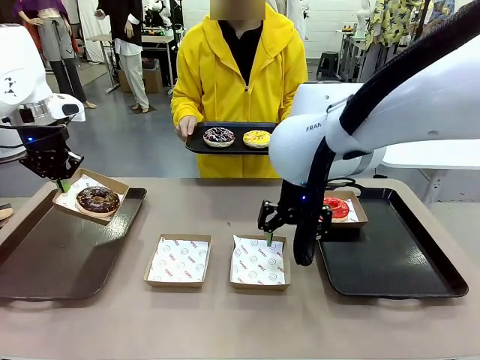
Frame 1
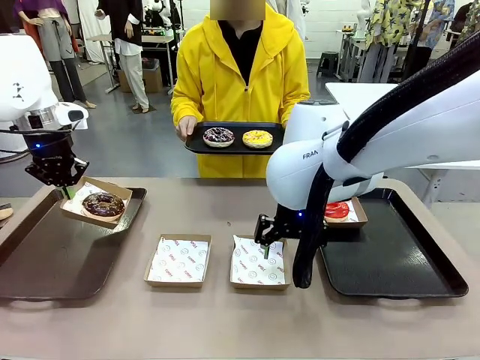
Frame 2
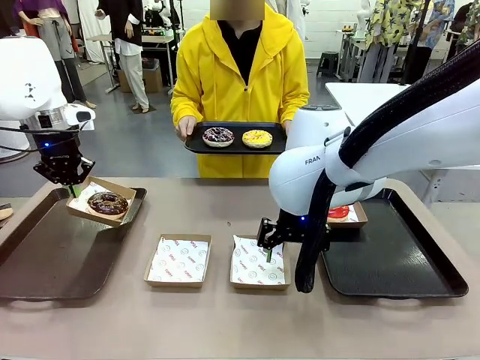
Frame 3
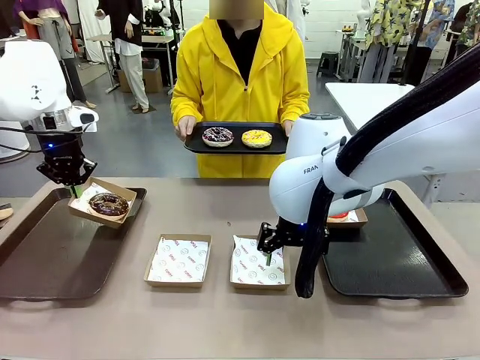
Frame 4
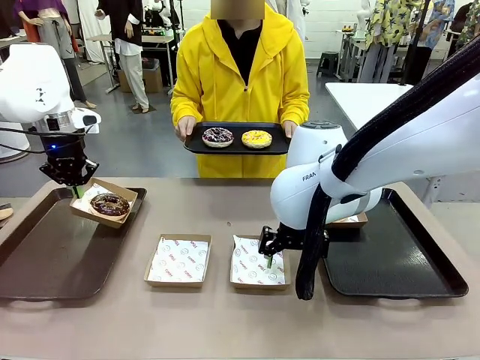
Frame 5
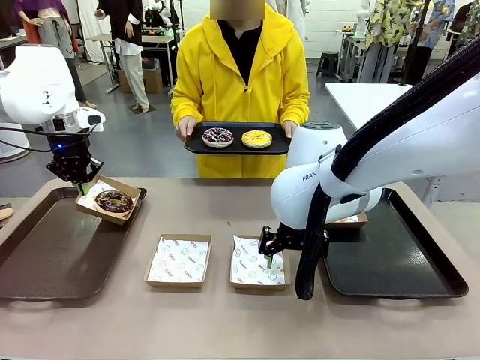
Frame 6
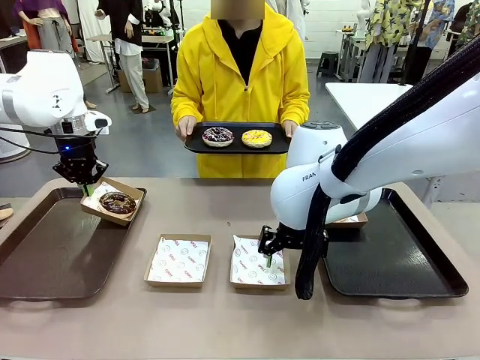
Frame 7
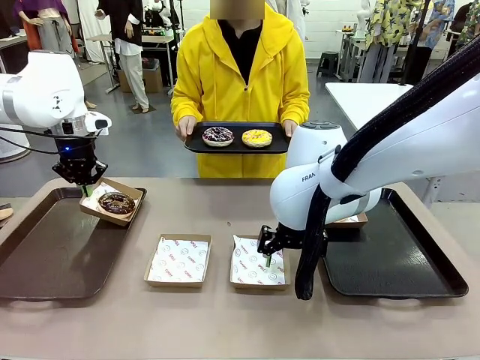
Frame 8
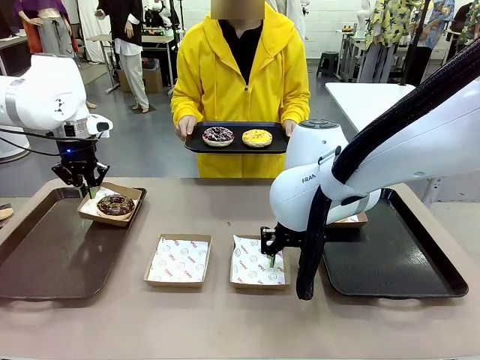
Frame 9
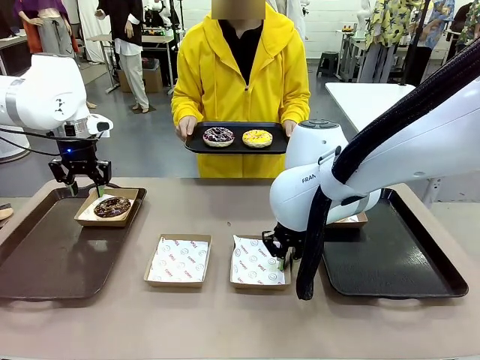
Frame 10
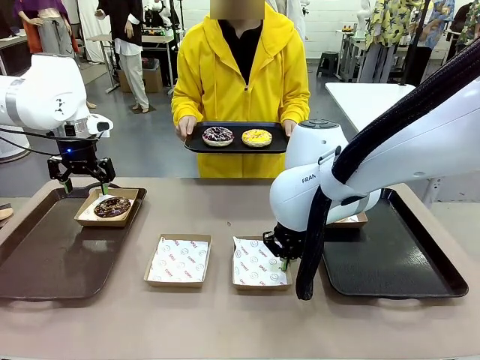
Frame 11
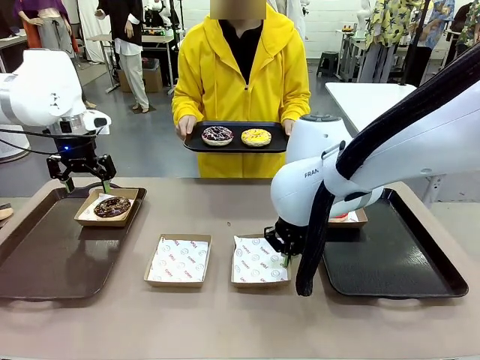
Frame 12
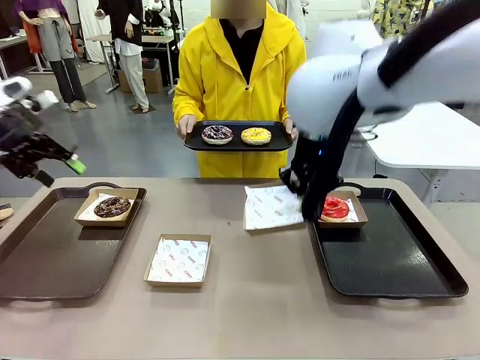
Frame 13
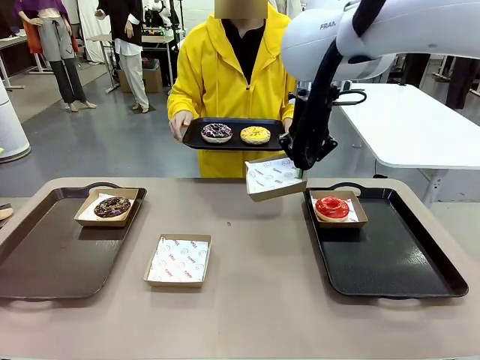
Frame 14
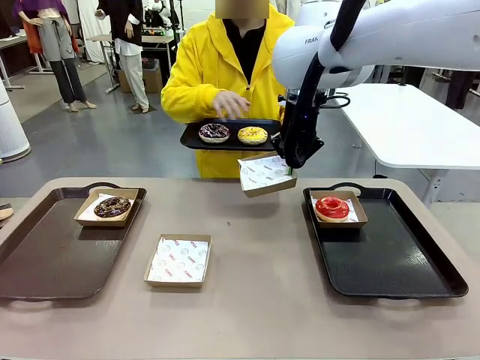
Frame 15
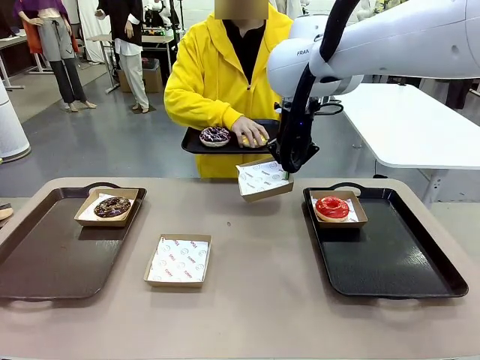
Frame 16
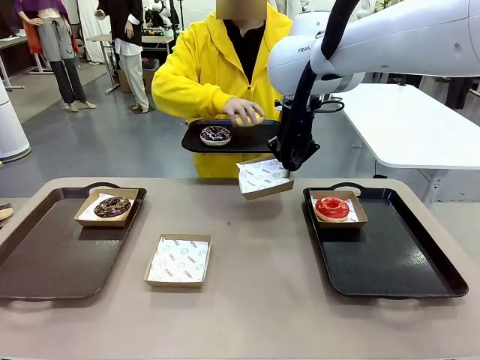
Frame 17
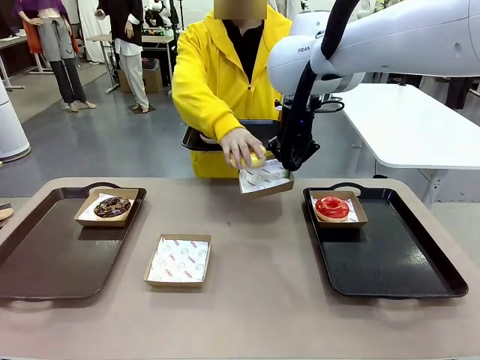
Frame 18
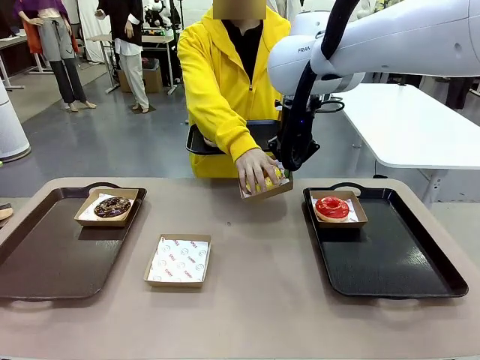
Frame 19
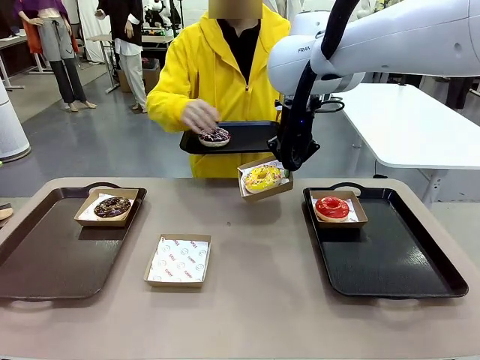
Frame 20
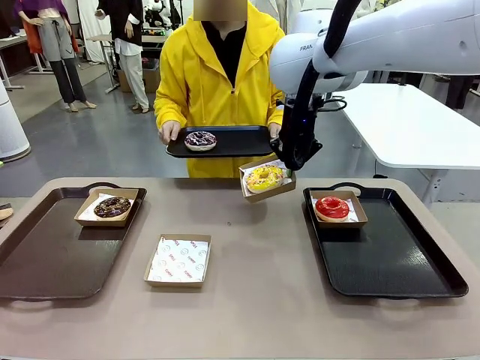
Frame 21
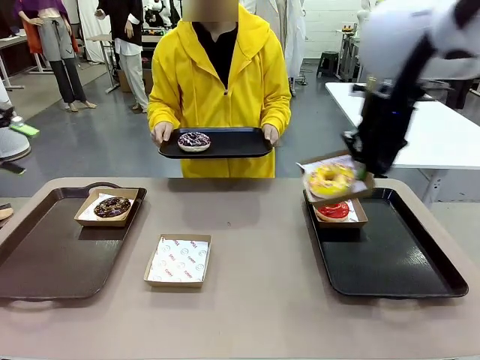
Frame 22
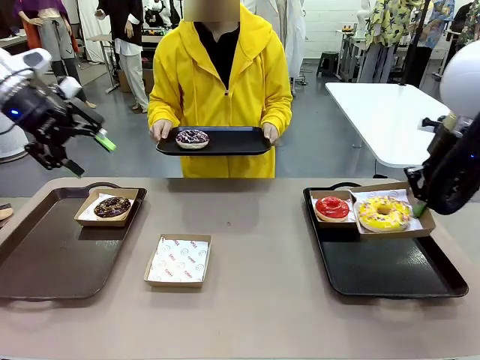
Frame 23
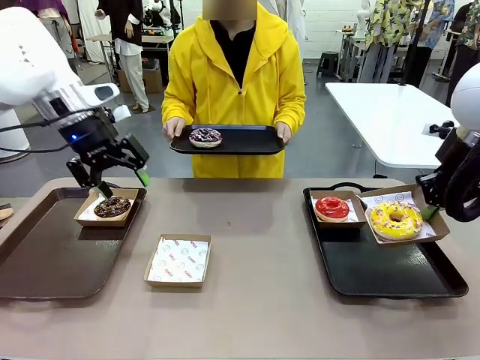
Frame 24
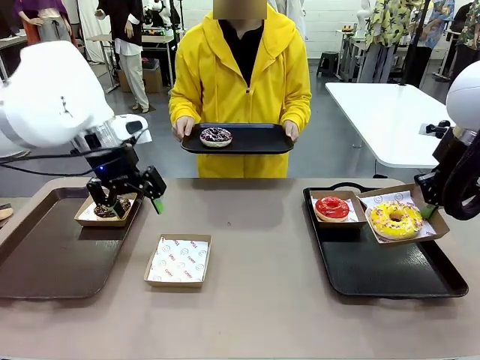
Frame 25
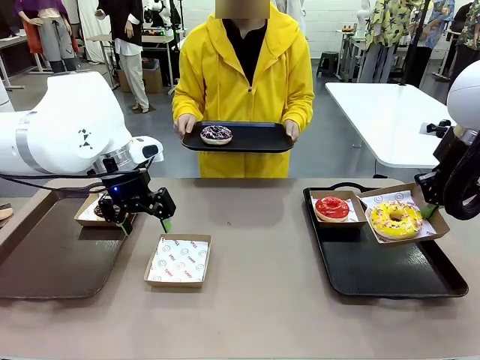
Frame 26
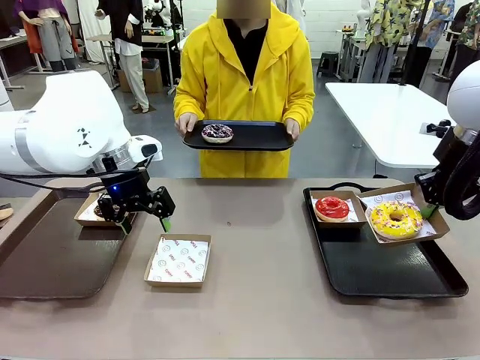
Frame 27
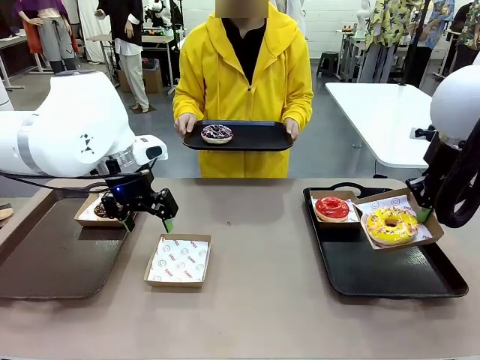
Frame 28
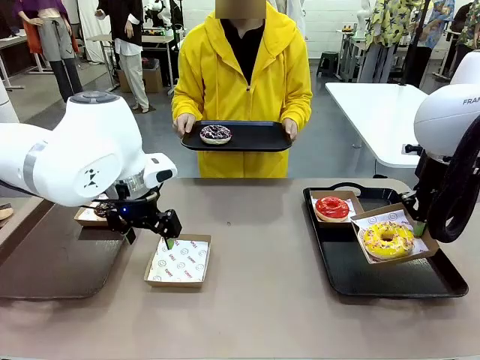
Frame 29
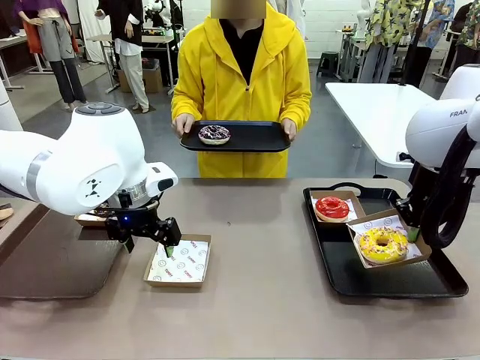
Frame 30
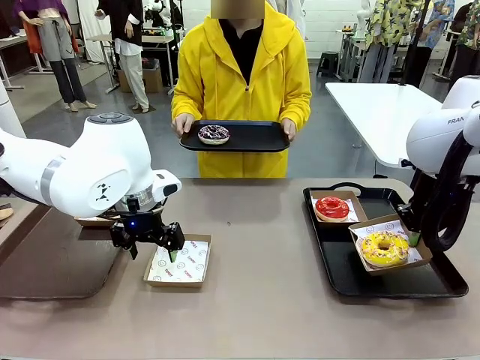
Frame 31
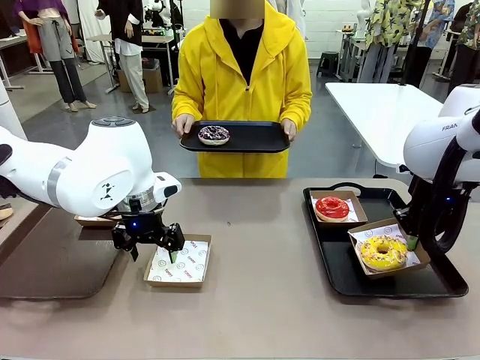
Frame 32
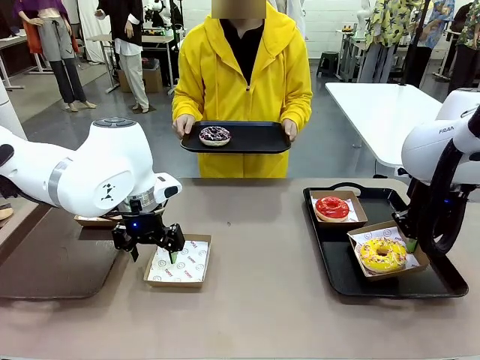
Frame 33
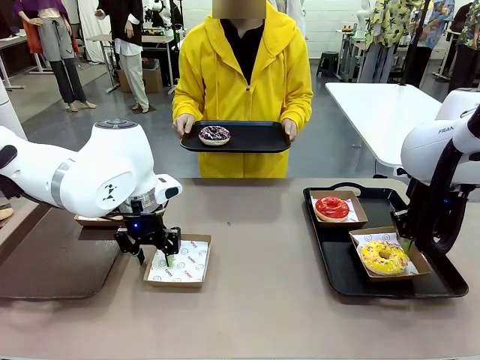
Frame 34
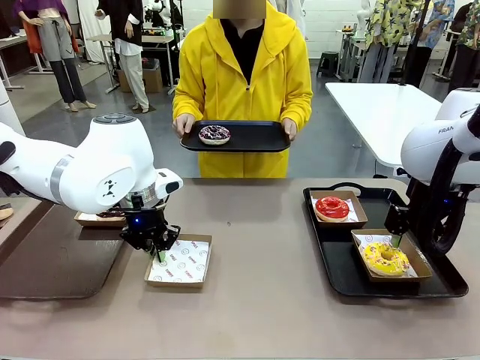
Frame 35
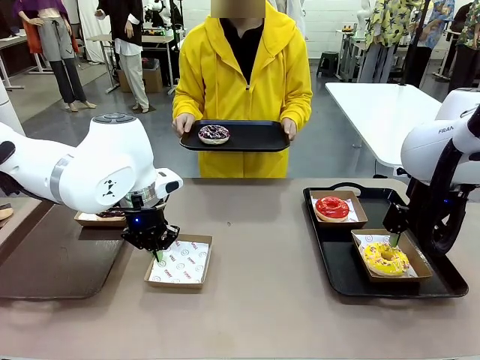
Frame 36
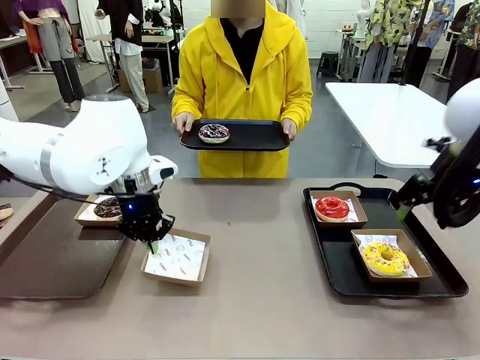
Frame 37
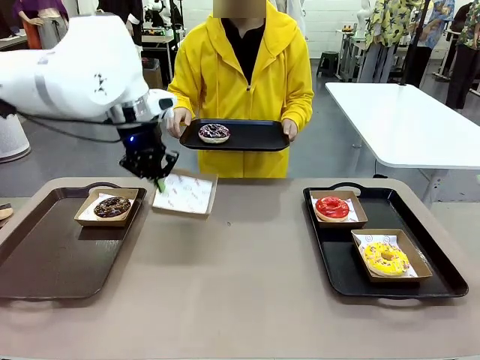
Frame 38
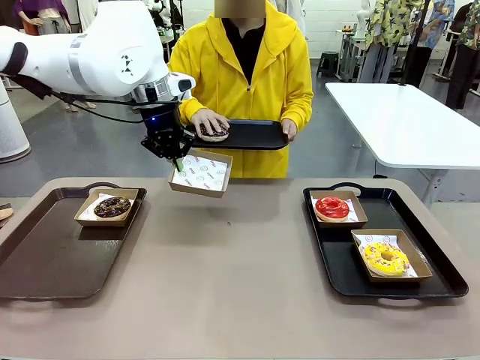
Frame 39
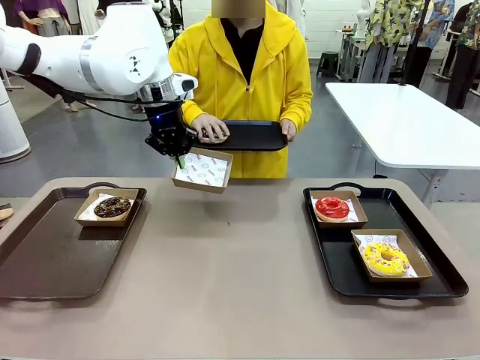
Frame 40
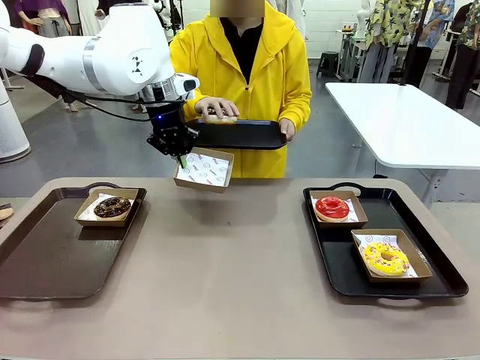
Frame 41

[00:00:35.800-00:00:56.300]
Task: Individually package the donuts and arrange them on the tray.
Robot: Place the picked Paper togo box on the Handle tray while simultaneously picking up another Paper togo box from the table with the other hand.

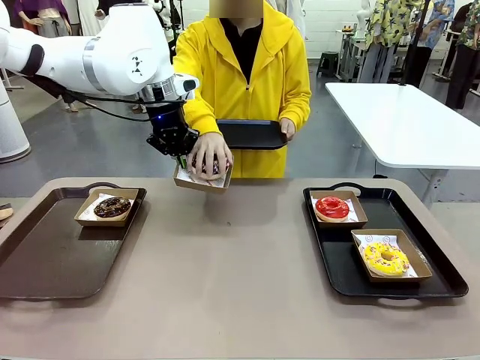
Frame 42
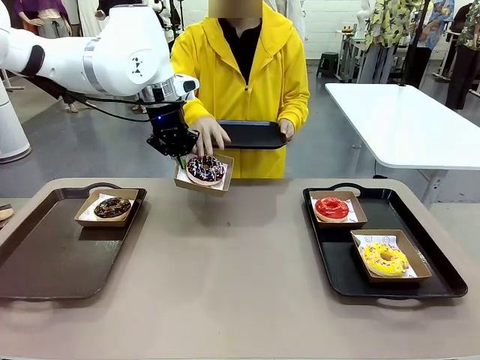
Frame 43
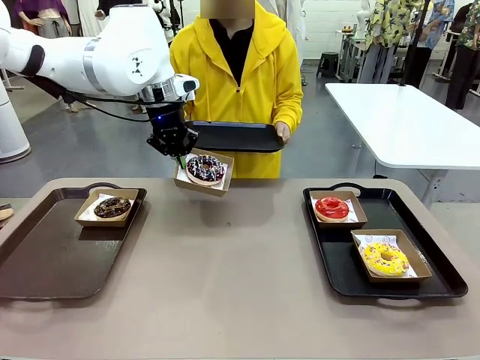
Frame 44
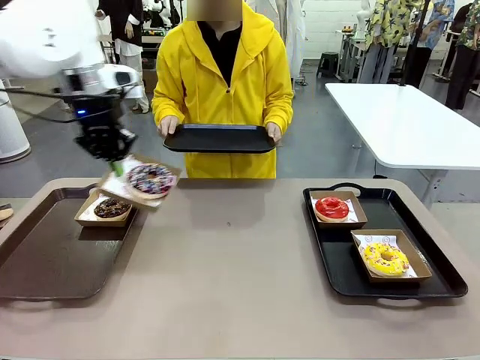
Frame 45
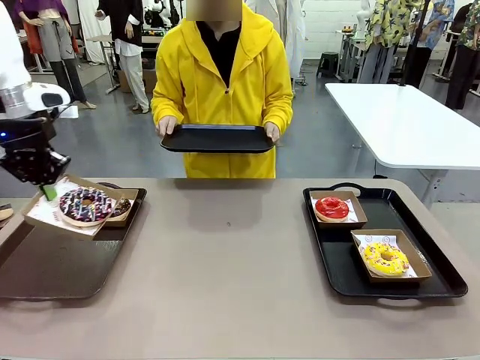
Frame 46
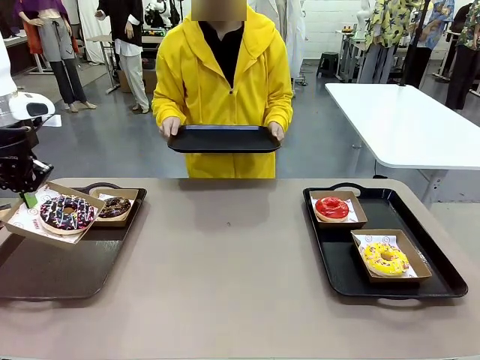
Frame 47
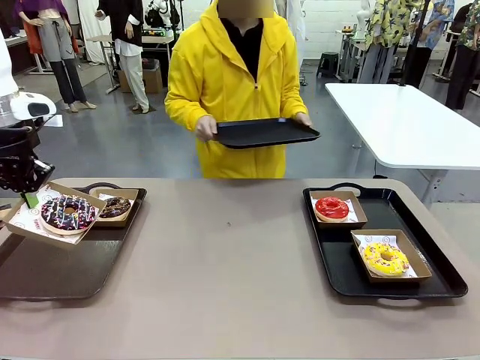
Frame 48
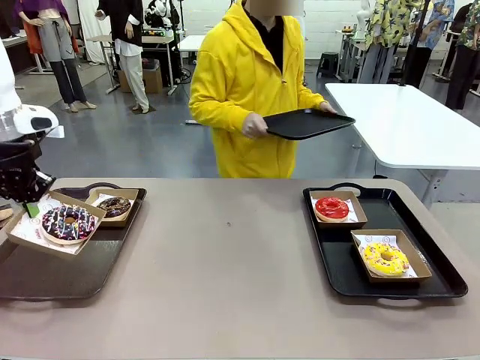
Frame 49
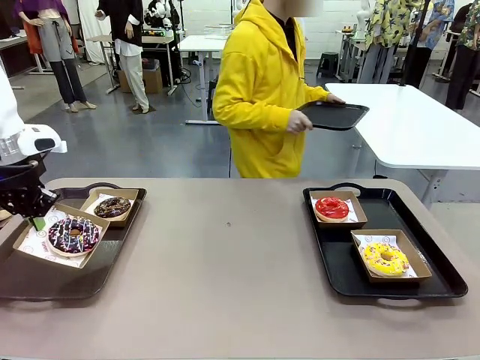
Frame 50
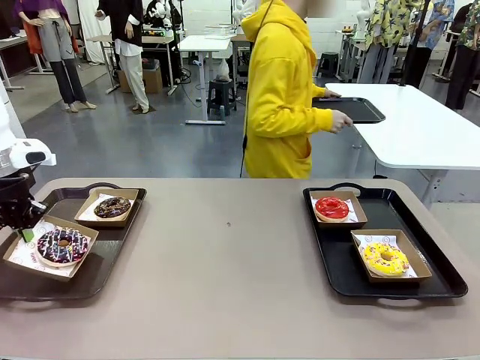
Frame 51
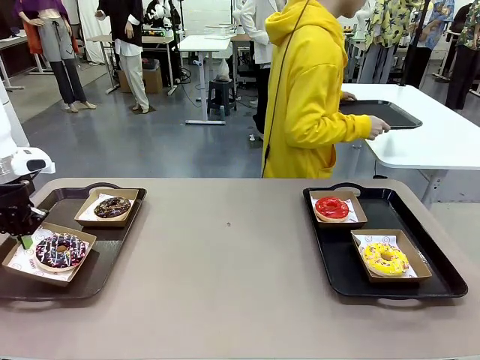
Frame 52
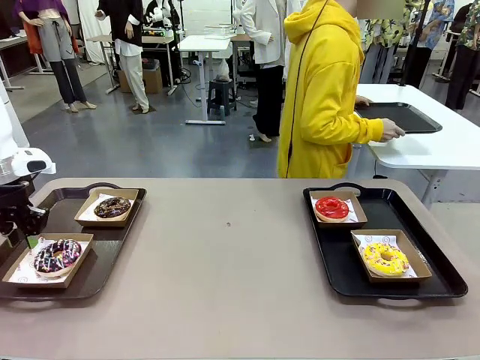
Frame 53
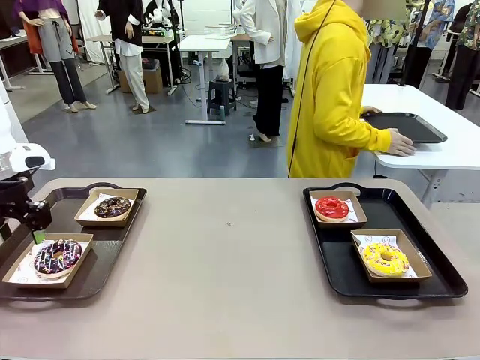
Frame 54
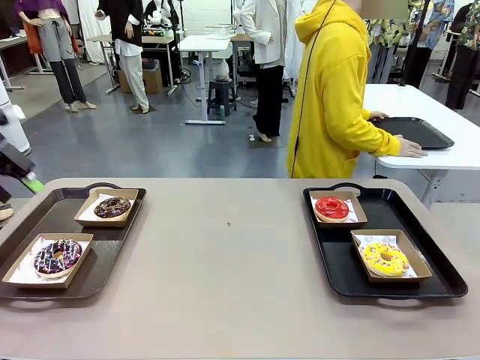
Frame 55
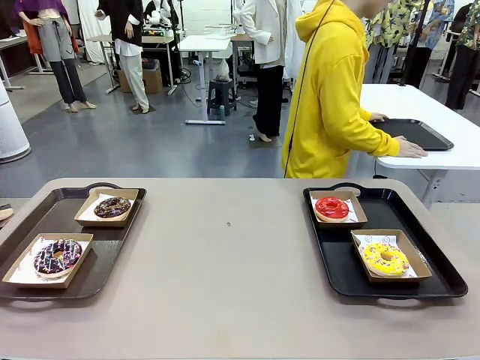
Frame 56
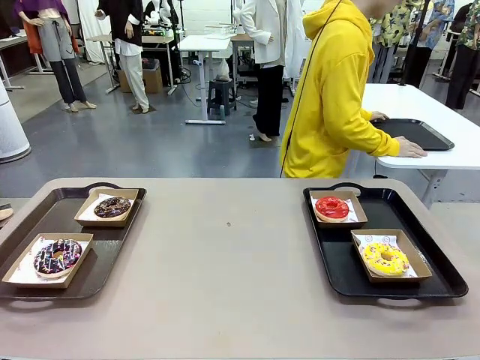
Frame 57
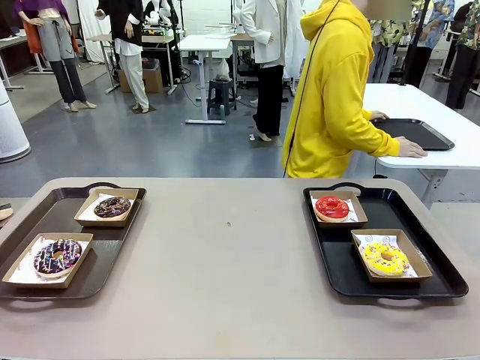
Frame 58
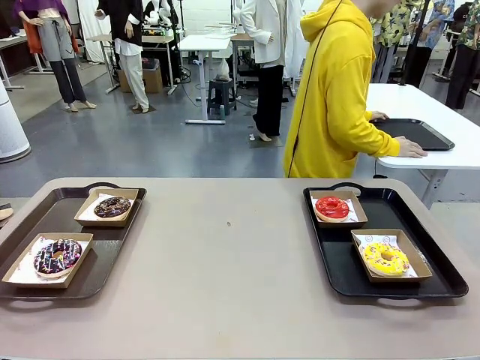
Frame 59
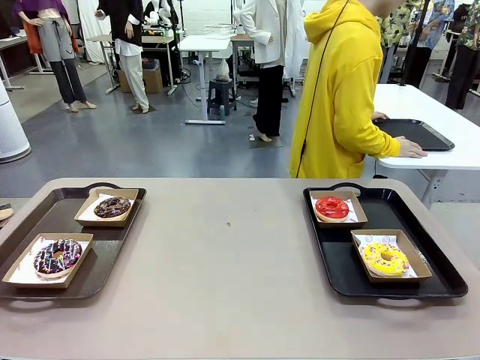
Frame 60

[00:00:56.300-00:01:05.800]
Robot: Place the picked Paper togo box on the Handle tray.
Person: Place the tray down in the middle of the human table.
